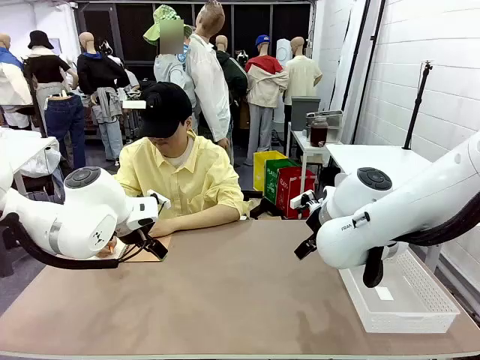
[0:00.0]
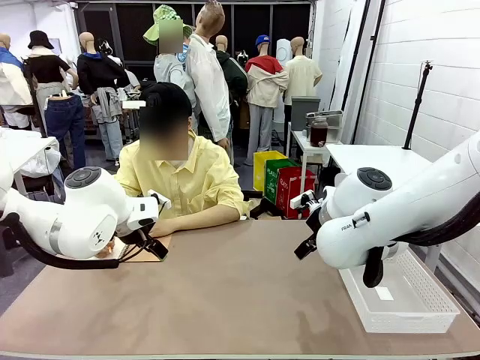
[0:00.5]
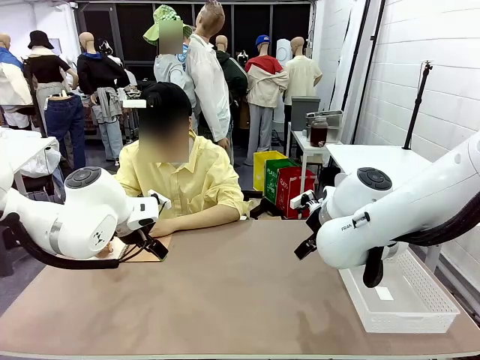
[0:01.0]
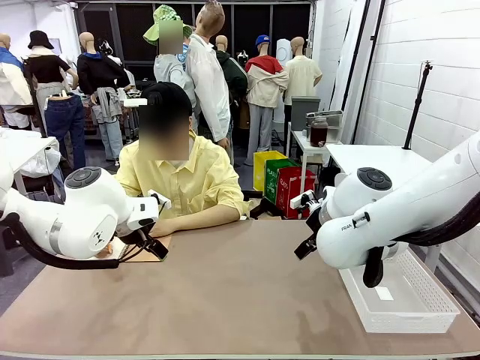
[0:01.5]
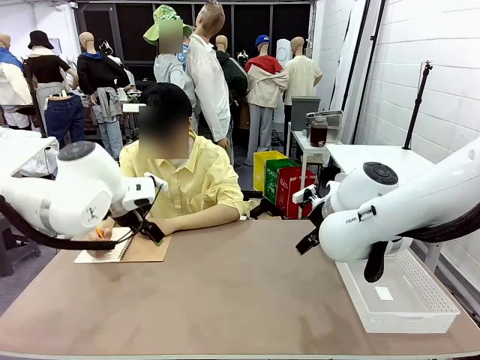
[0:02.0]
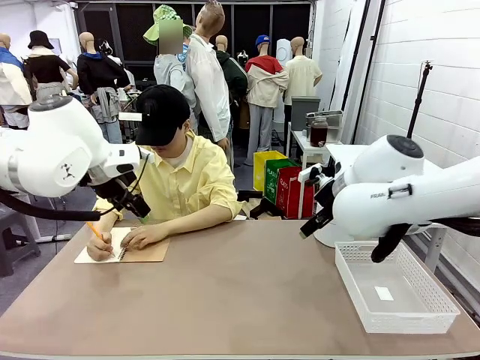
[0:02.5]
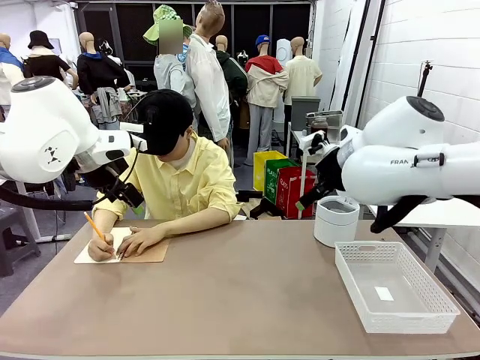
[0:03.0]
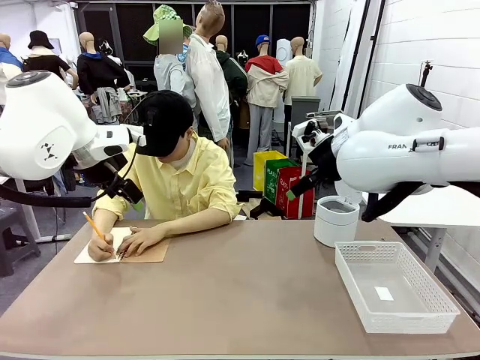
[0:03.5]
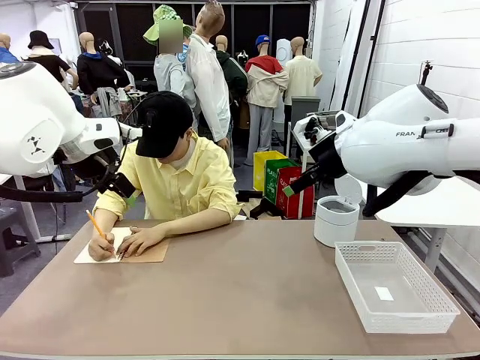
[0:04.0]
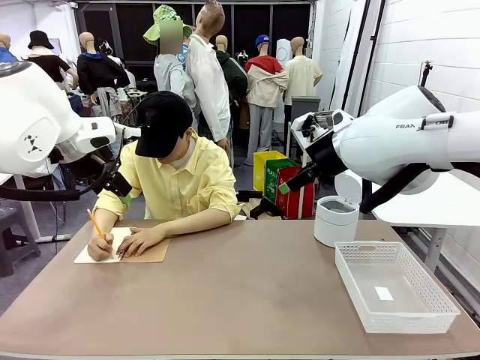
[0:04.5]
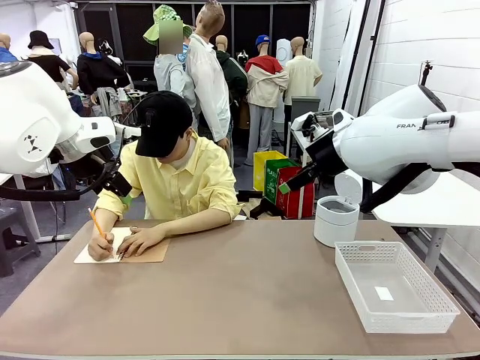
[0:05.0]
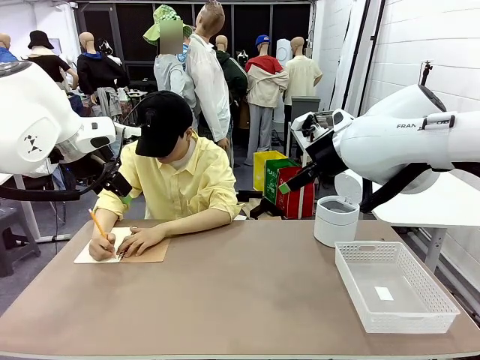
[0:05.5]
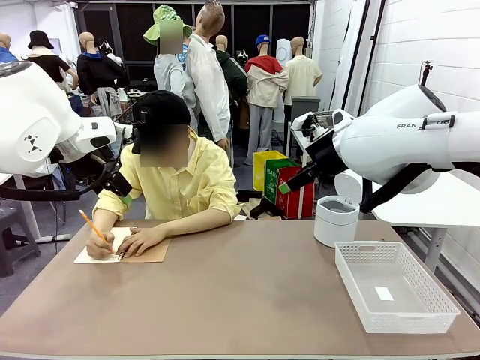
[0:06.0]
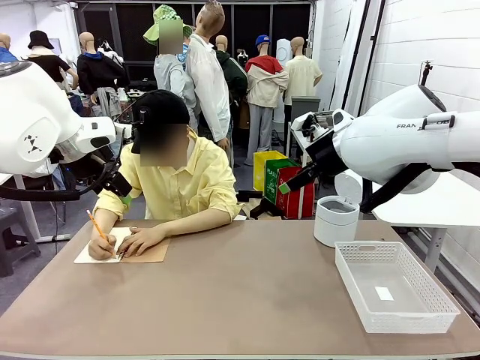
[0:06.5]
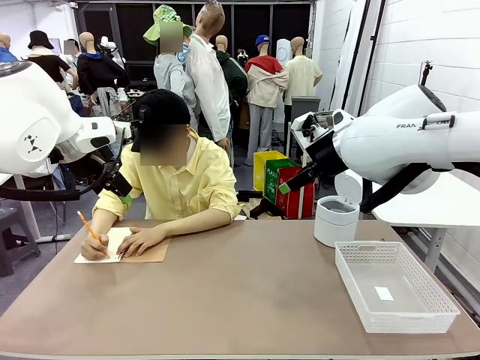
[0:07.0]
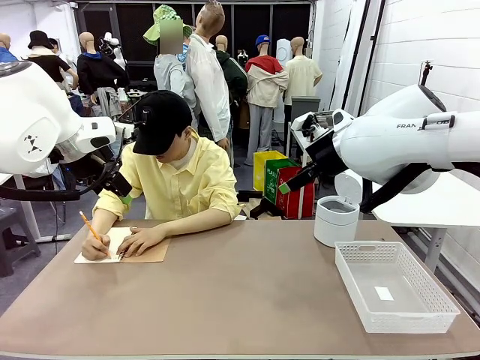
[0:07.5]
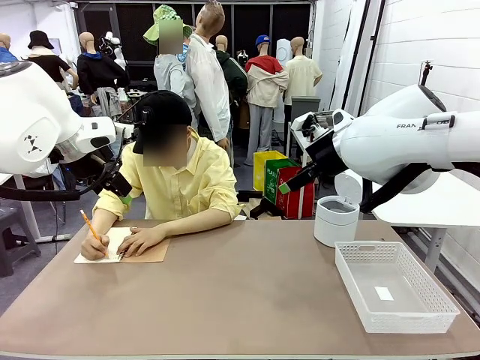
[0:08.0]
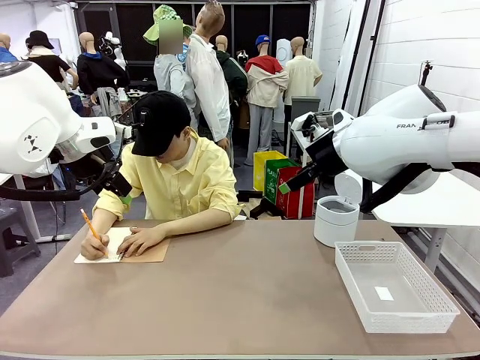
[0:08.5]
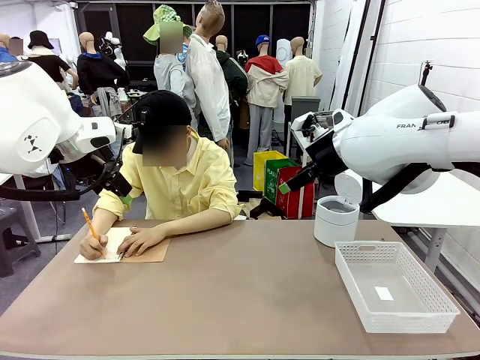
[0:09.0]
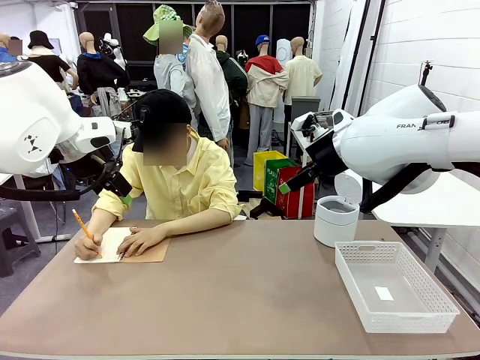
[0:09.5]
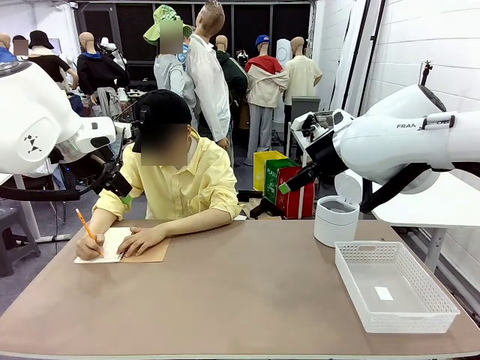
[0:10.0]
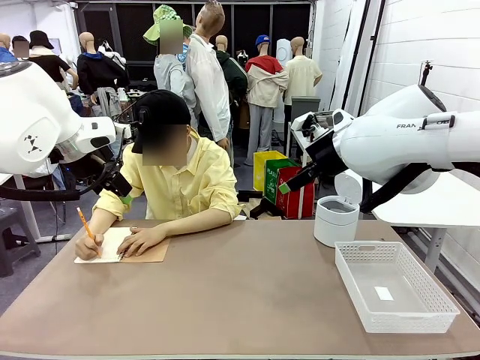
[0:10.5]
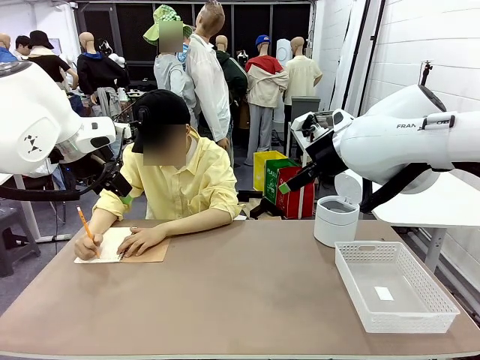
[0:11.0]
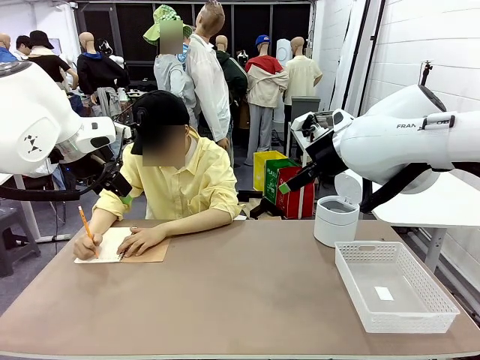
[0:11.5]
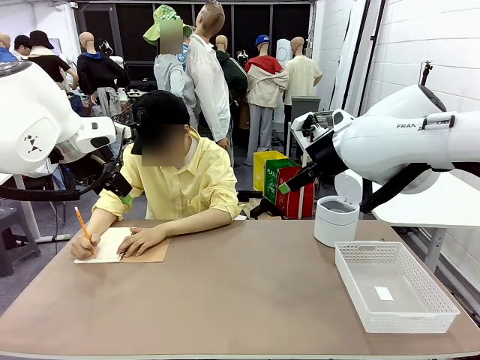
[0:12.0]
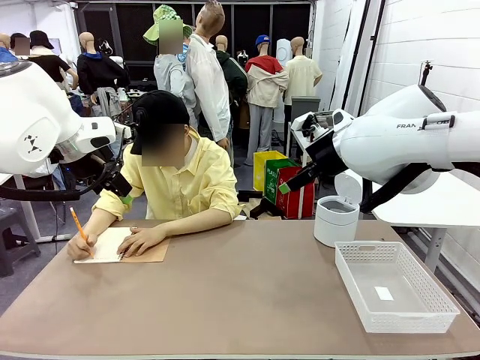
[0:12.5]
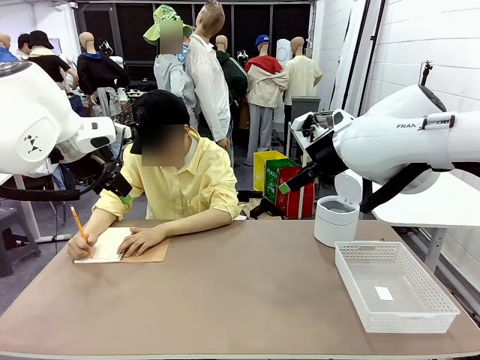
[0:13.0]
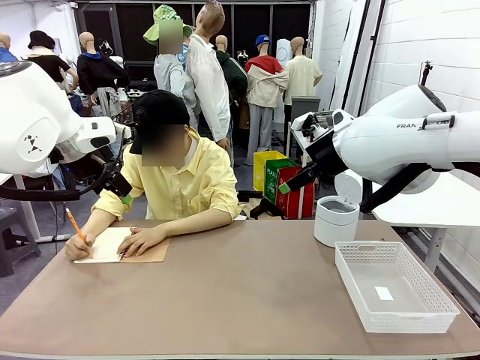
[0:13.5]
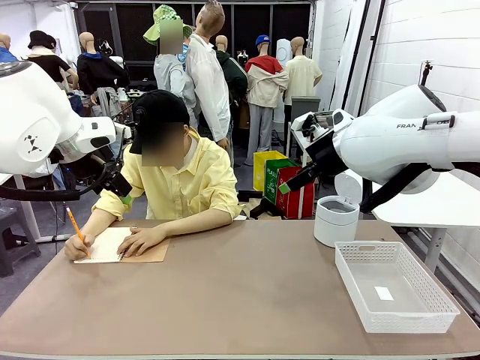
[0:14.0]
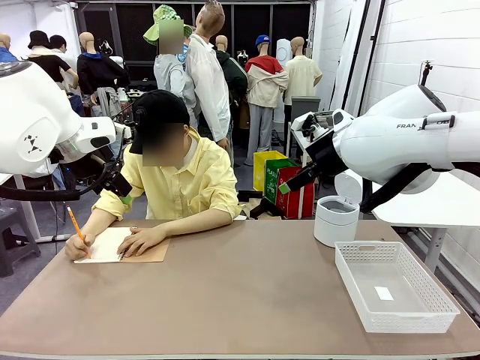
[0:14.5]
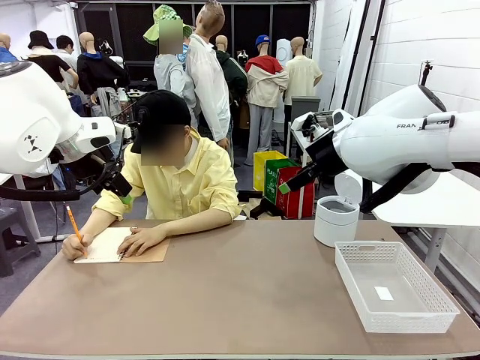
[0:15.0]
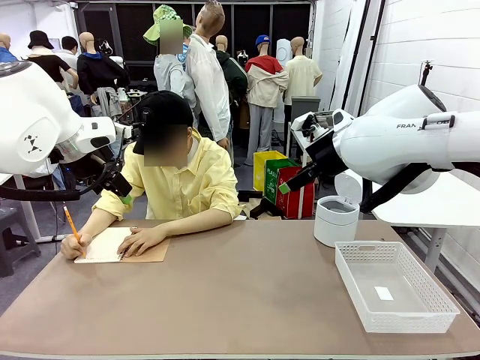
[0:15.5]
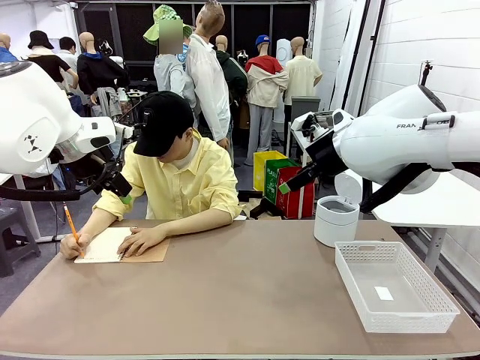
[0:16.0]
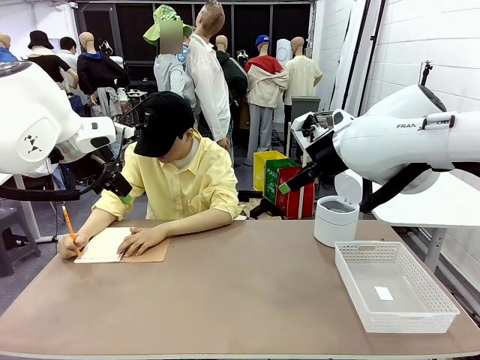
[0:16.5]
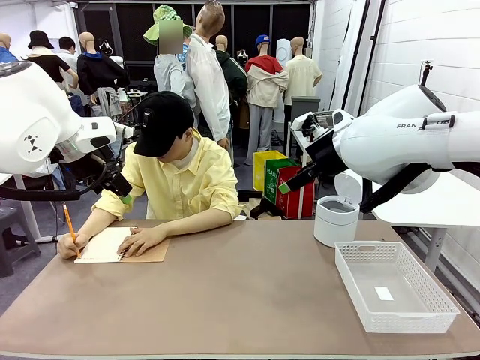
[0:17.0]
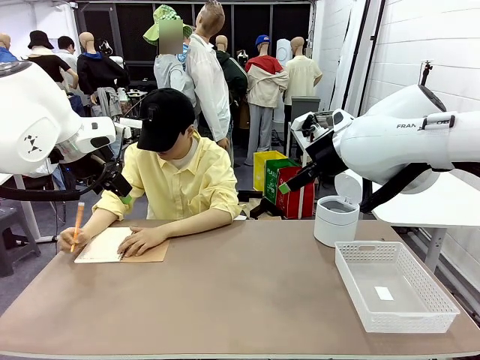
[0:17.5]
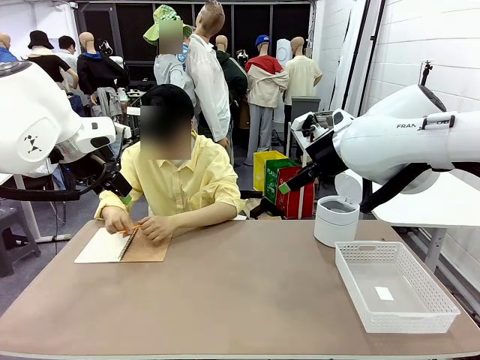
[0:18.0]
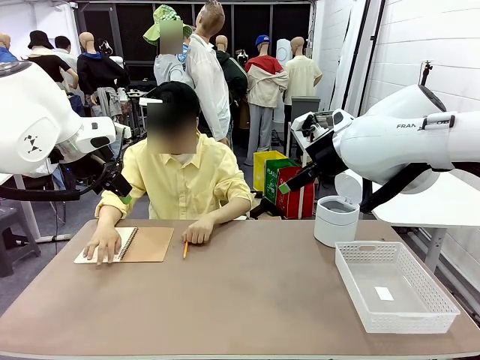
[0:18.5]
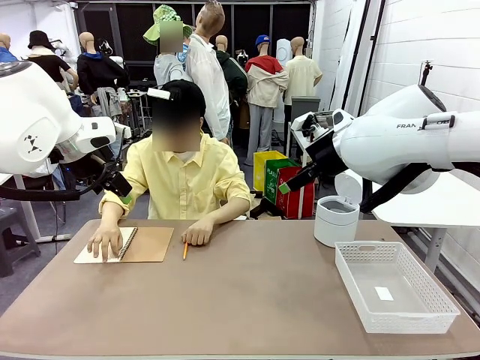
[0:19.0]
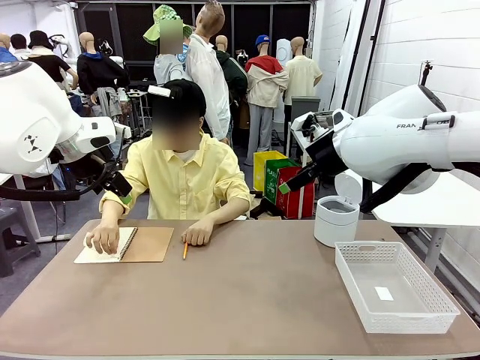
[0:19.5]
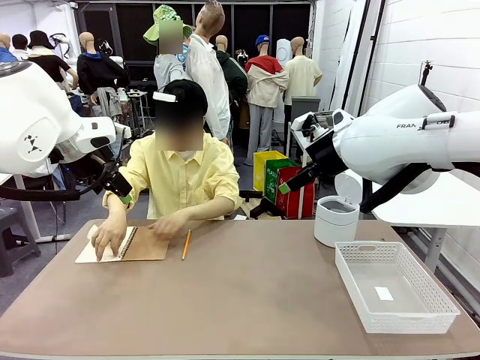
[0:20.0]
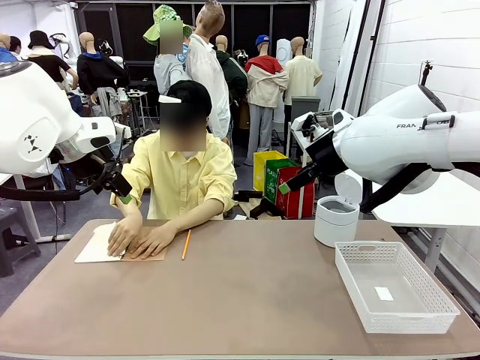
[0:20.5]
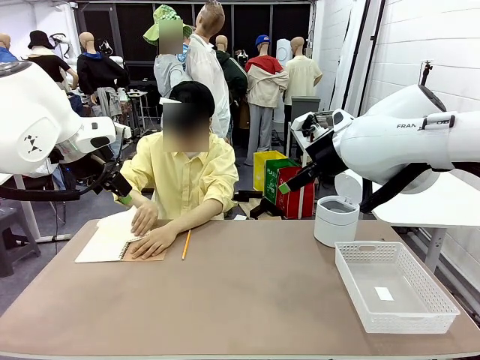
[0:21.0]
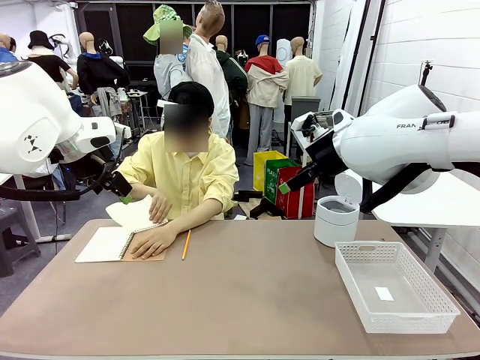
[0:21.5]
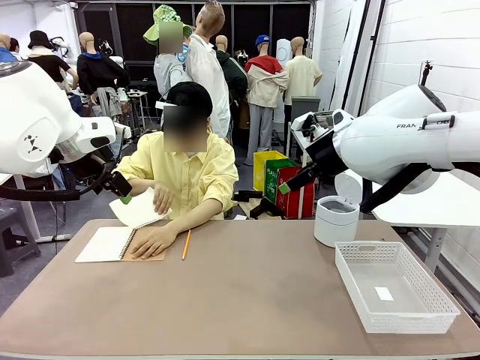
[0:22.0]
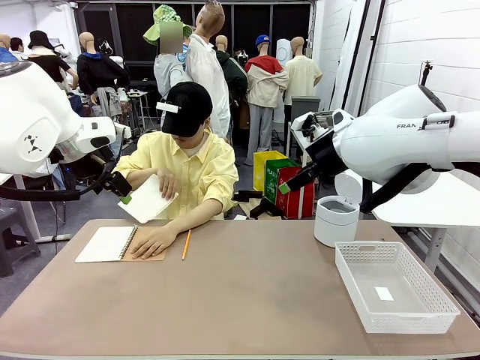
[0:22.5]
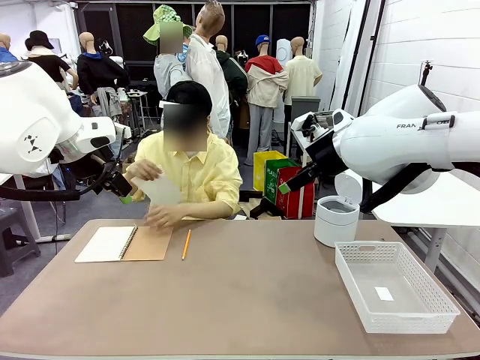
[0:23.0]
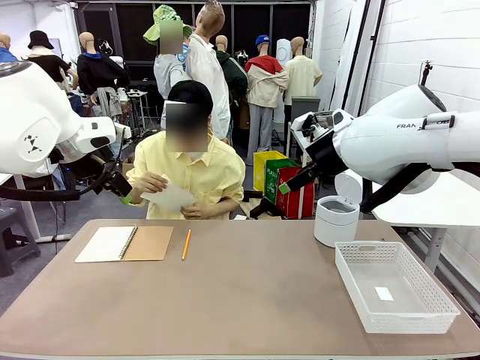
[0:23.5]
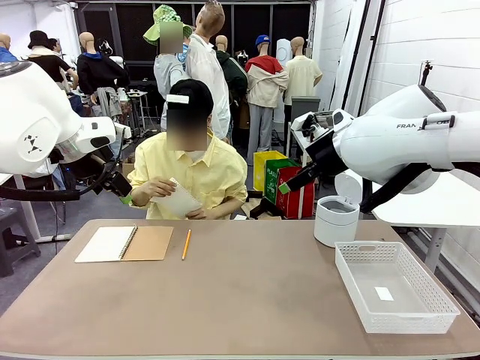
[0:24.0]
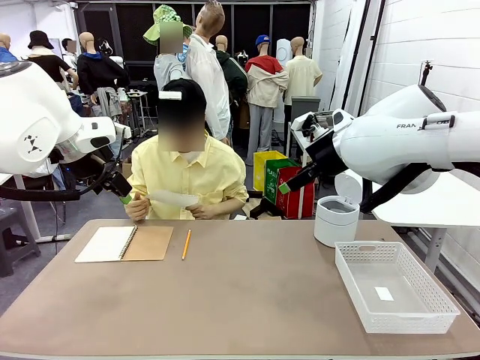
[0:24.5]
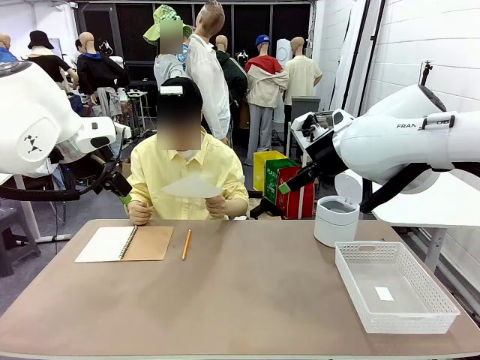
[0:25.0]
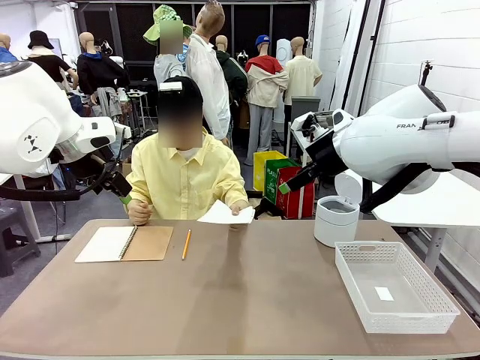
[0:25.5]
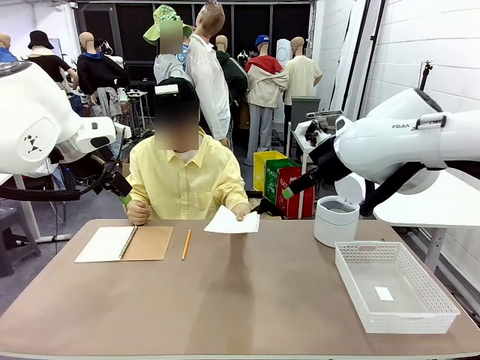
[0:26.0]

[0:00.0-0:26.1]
Task: Sort the paper based on its condition.
Robot: If a person hands you a paper, place it in the Organizing basket , and if it's crumpled, put it in the Trash can.
Person: Tear out a page from the spiral notebook. Hand the torn page to the robot or crumple it and throw it to the center of the table.
